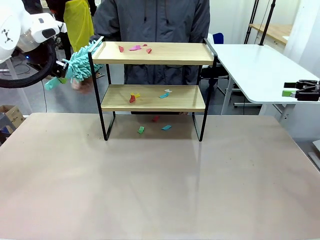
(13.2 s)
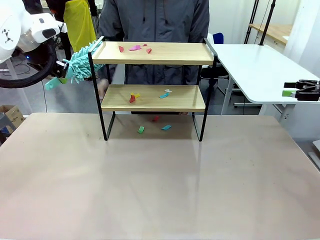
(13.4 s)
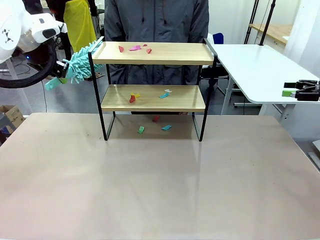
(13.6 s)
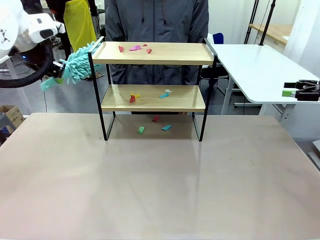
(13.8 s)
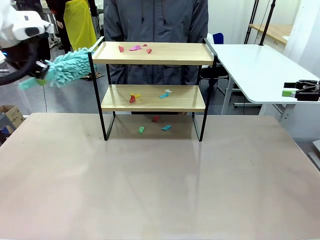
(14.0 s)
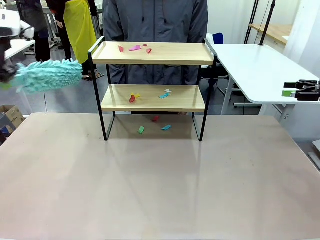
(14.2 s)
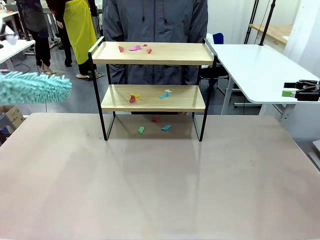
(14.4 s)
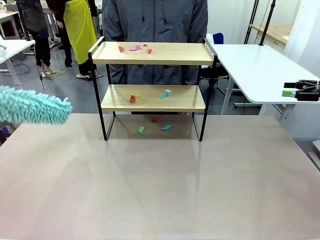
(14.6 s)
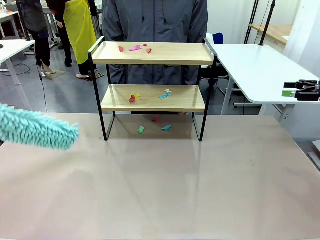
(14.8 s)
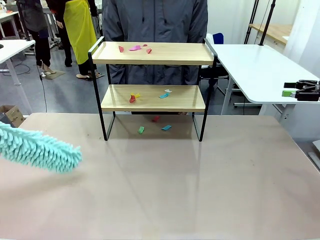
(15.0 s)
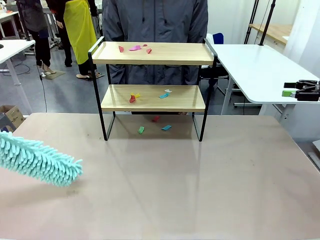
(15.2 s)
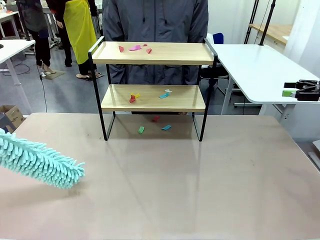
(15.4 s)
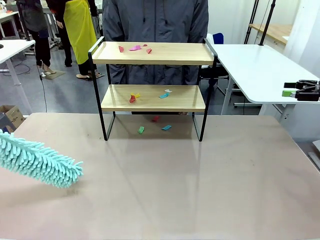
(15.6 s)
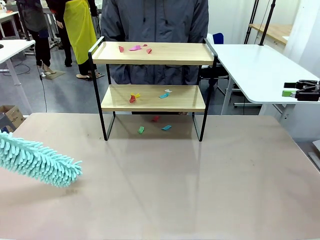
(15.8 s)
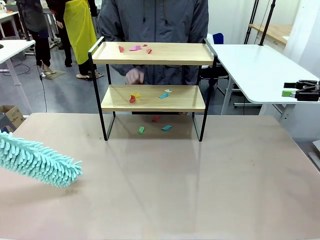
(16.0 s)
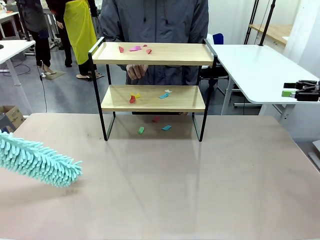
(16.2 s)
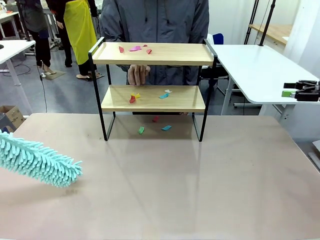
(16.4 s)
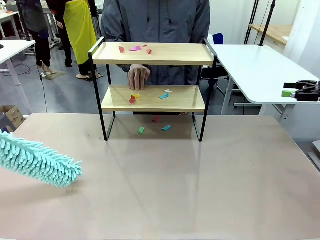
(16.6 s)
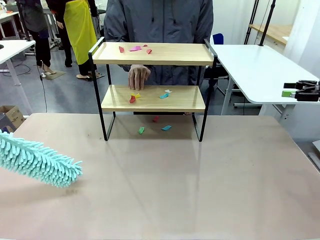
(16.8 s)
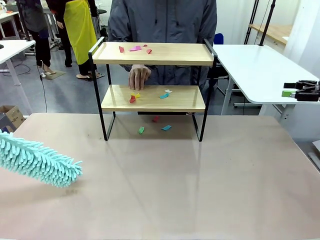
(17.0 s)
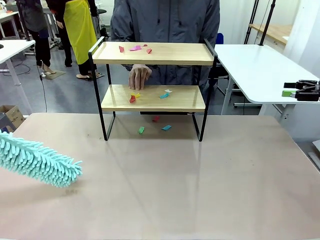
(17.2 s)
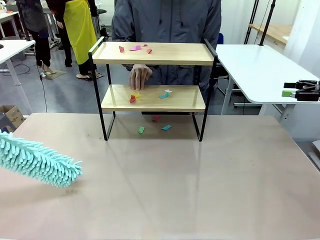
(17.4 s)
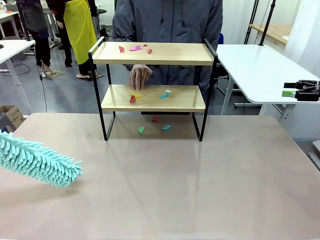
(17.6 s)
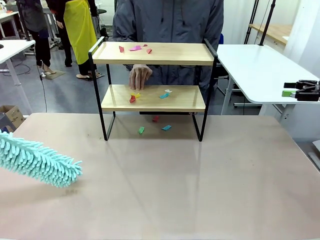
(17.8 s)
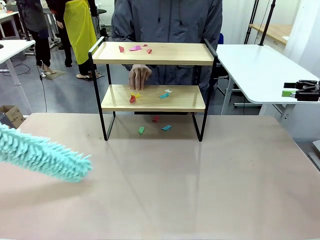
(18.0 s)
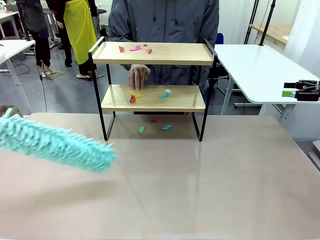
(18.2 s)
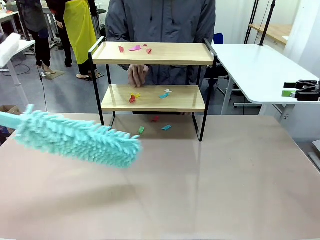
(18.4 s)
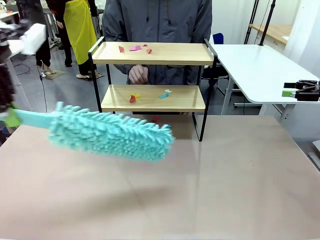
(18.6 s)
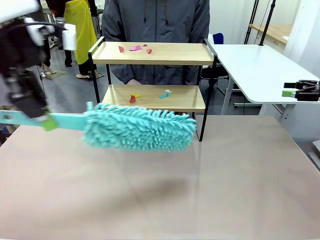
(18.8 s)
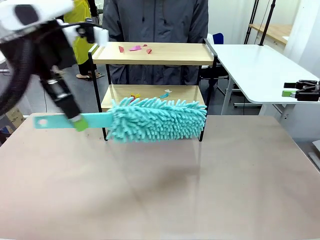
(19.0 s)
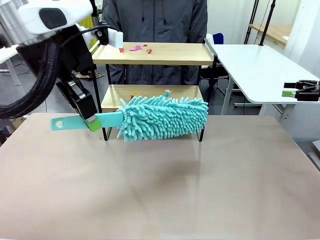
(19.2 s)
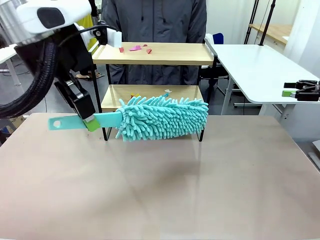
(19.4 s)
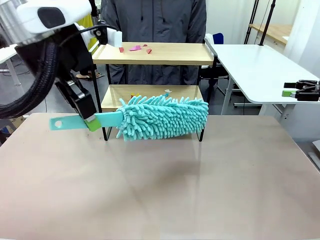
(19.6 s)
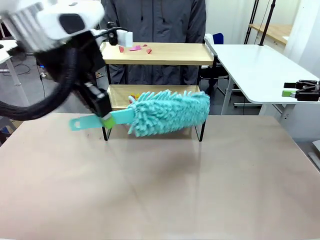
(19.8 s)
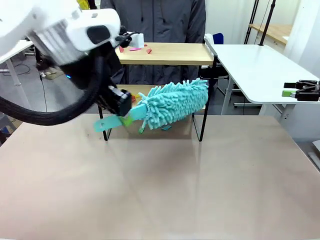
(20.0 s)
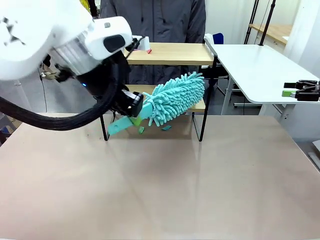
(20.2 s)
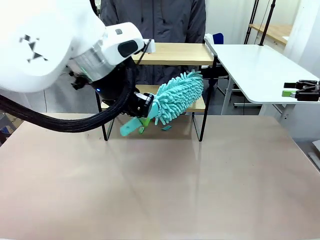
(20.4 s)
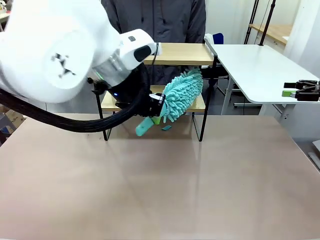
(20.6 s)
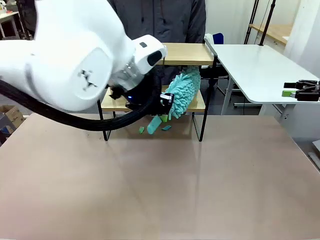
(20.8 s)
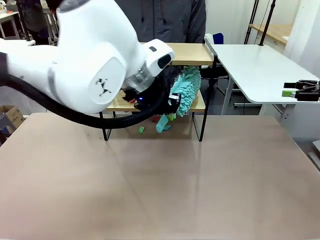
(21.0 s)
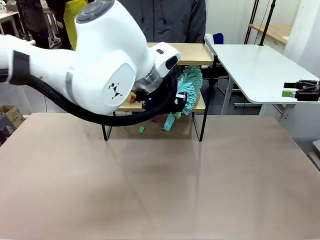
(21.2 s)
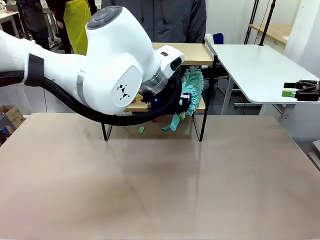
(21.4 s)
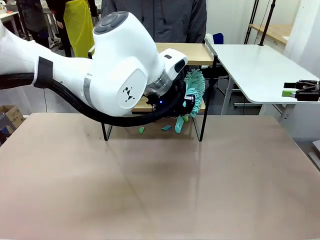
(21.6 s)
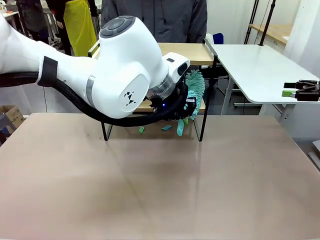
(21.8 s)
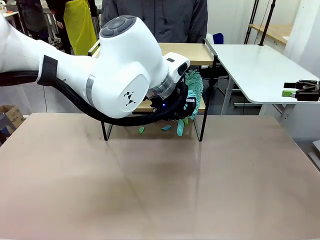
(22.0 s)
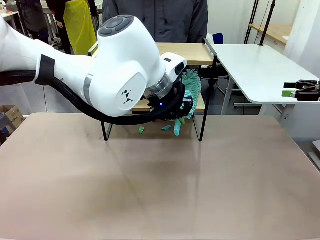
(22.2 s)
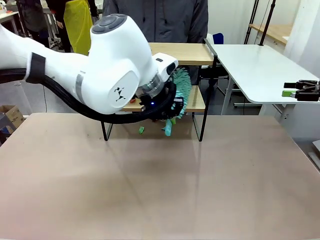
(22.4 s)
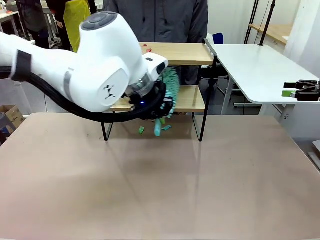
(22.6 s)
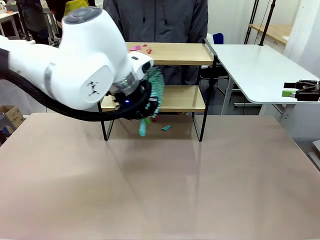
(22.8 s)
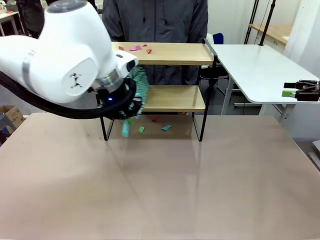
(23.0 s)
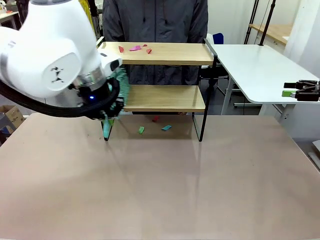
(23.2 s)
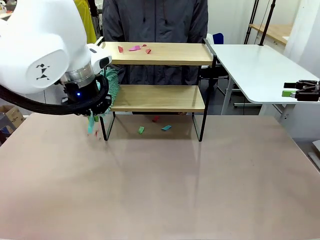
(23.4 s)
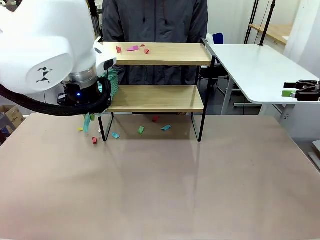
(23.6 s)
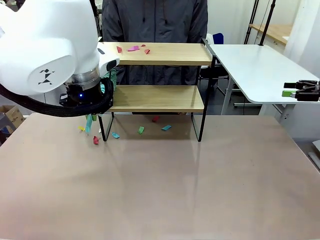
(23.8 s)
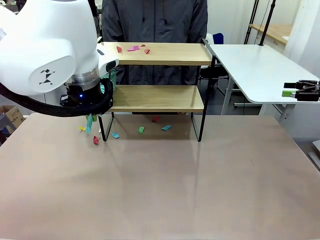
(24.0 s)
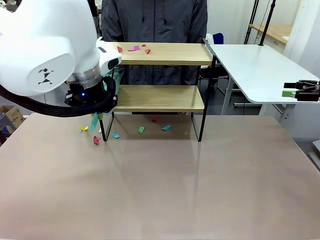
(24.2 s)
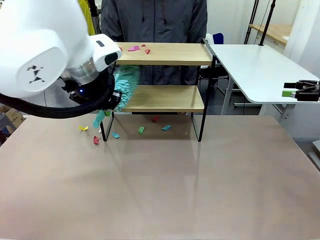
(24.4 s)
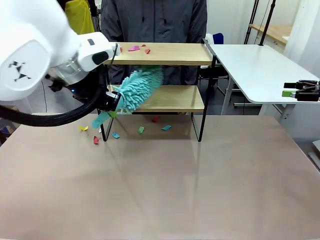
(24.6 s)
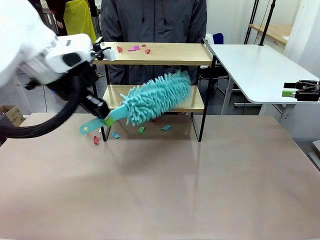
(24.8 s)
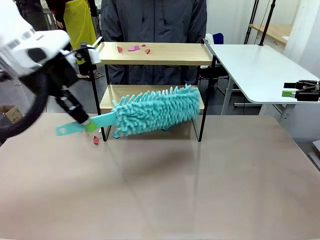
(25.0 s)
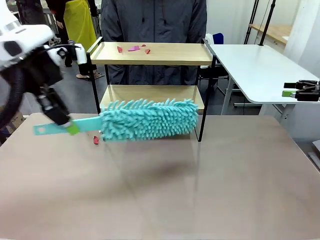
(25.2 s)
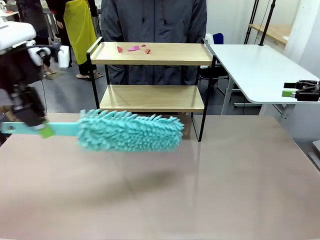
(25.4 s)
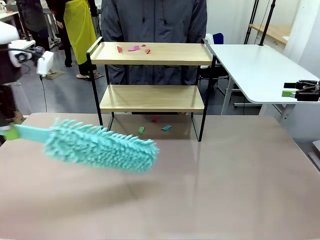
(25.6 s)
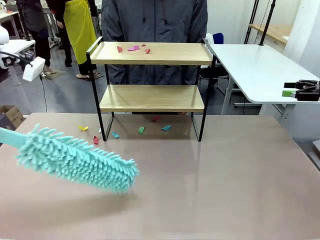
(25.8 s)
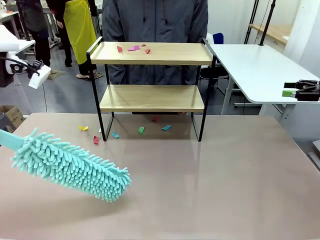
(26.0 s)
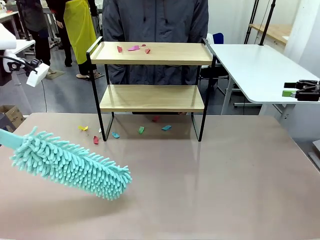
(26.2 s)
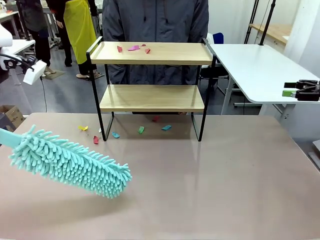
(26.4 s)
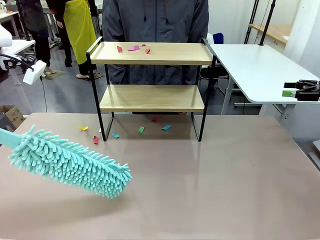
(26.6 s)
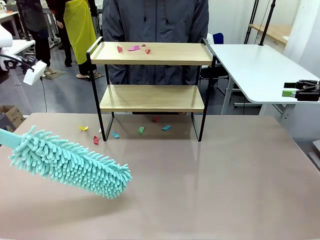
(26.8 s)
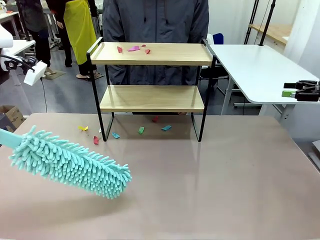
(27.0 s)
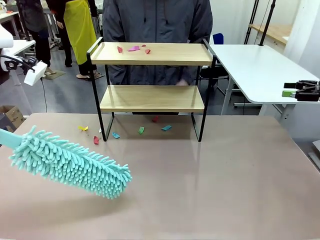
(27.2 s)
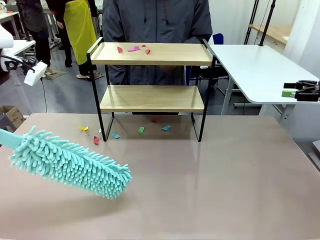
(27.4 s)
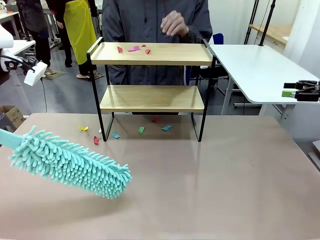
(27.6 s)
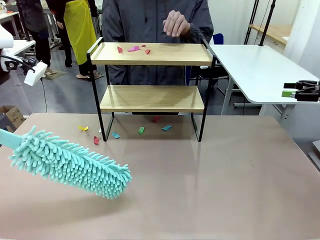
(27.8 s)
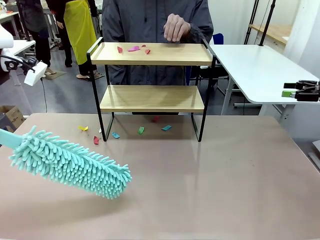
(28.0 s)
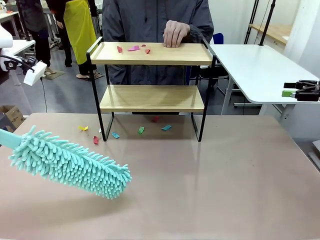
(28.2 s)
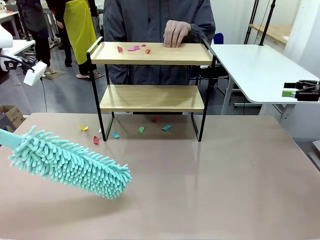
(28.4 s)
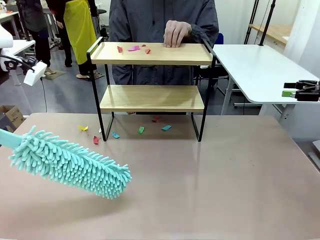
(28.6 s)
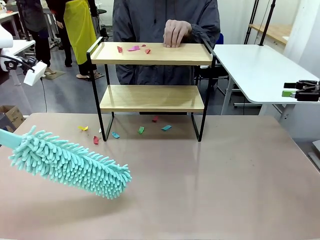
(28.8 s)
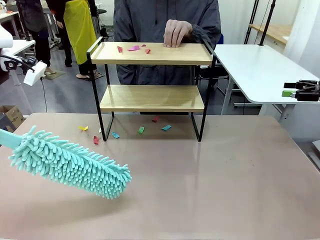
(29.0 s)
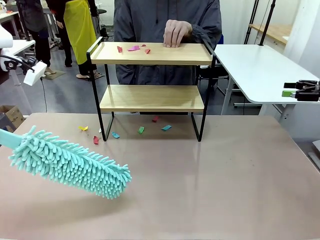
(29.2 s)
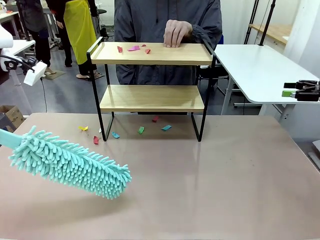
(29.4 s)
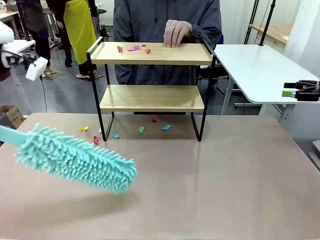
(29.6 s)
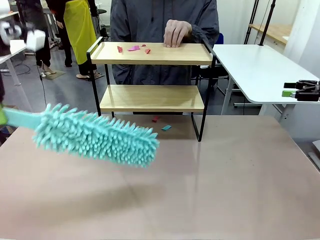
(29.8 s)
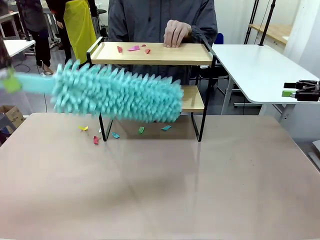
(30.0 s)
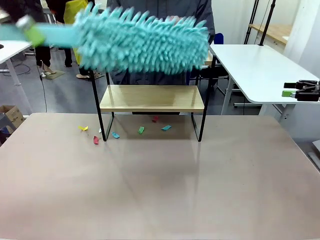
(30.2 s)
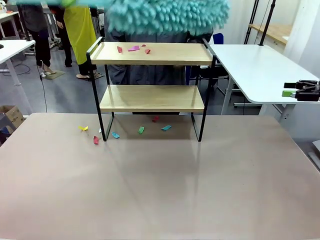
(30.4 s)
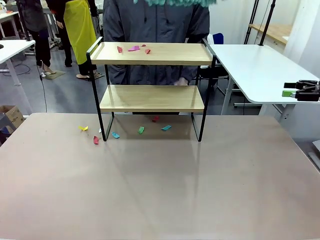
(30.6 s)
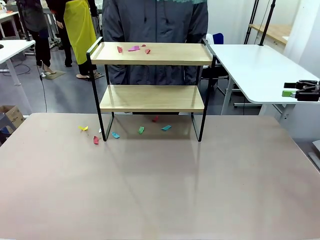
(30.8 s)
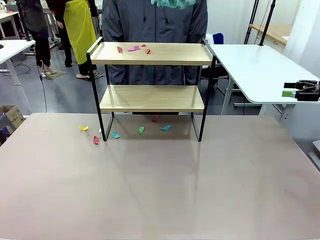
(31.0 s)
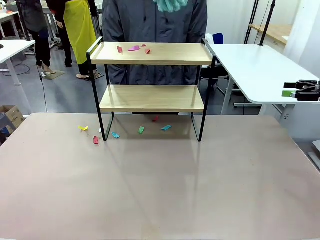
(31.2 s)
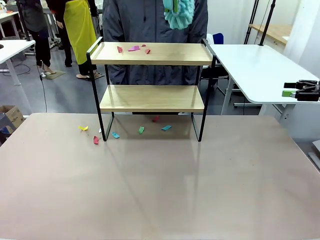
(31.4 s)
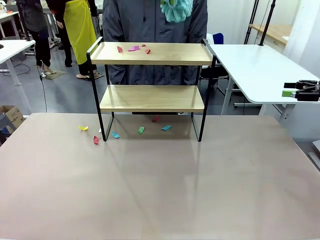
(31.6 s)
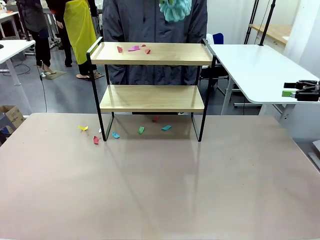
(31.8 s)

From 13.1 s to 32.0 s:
Task: Clean the shelf.
Robot: Clean the specific section of the Shelf indicated by the human with the Duster.
Person: Point a random section of the Shelf.
